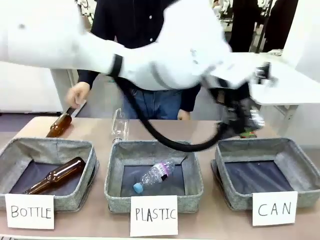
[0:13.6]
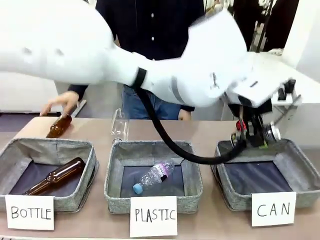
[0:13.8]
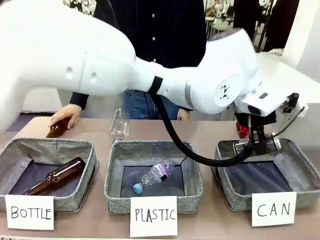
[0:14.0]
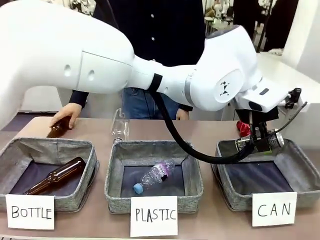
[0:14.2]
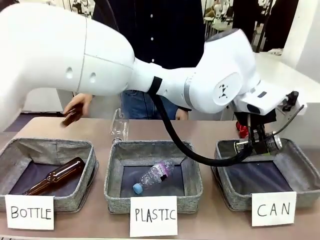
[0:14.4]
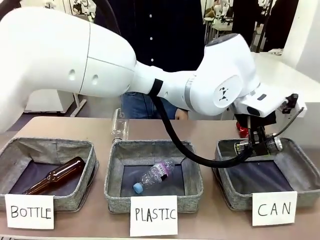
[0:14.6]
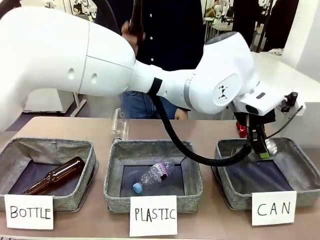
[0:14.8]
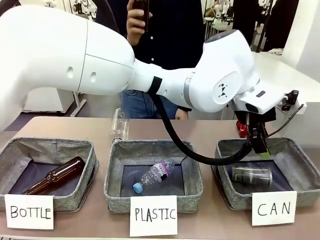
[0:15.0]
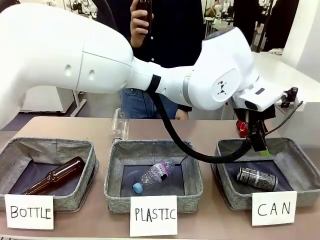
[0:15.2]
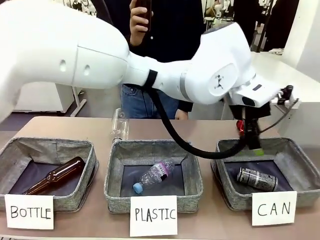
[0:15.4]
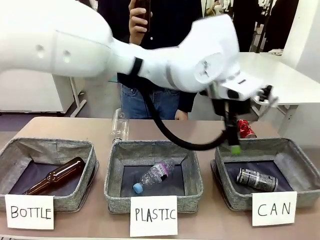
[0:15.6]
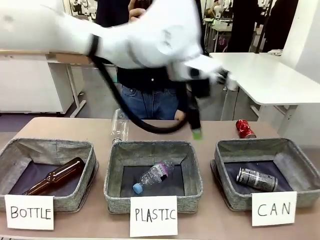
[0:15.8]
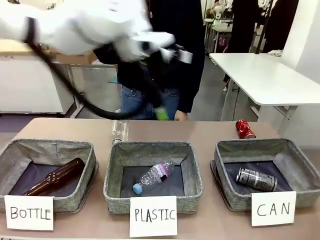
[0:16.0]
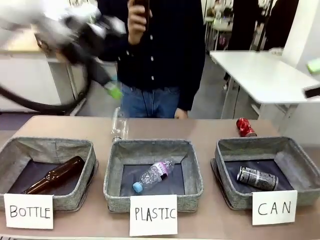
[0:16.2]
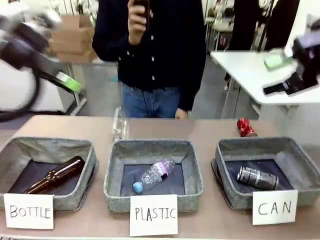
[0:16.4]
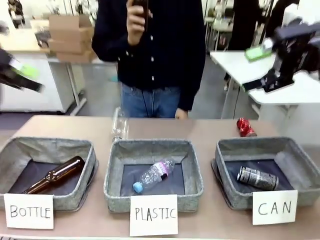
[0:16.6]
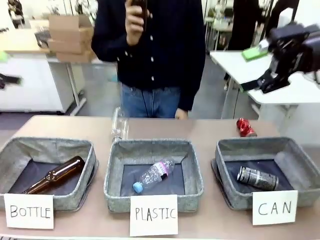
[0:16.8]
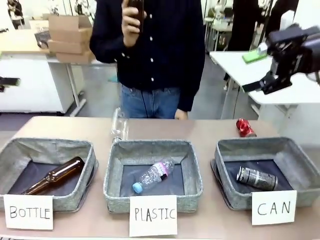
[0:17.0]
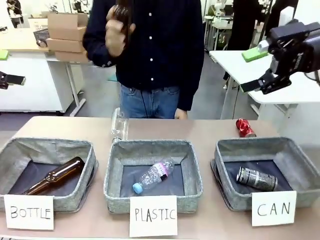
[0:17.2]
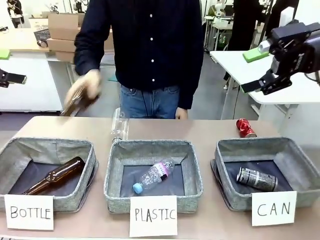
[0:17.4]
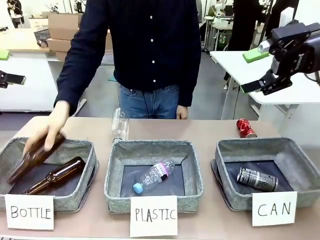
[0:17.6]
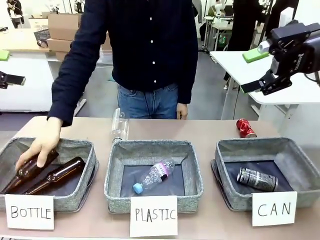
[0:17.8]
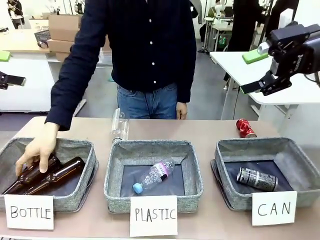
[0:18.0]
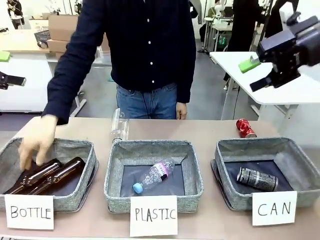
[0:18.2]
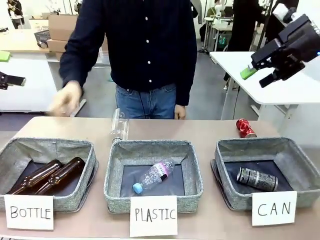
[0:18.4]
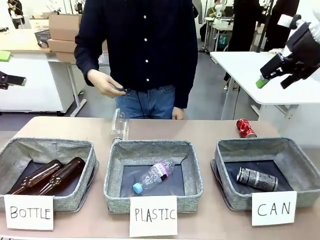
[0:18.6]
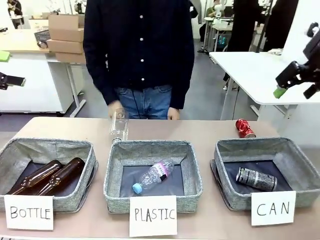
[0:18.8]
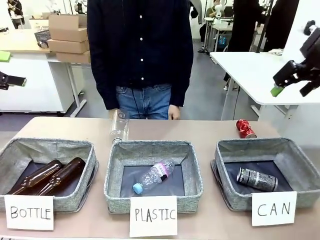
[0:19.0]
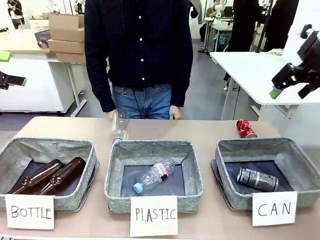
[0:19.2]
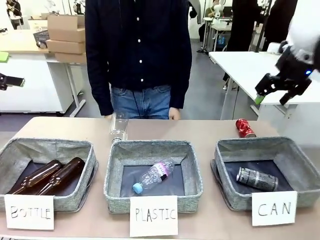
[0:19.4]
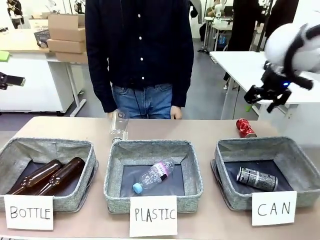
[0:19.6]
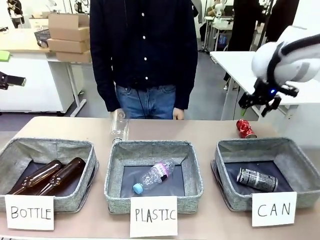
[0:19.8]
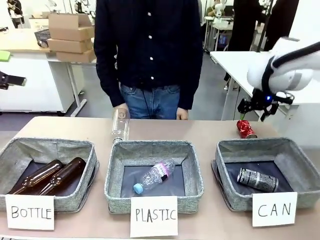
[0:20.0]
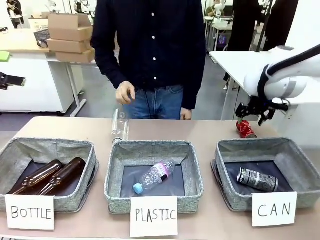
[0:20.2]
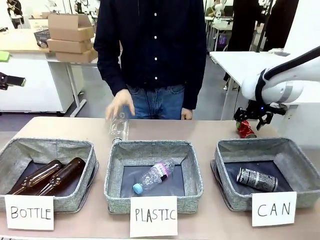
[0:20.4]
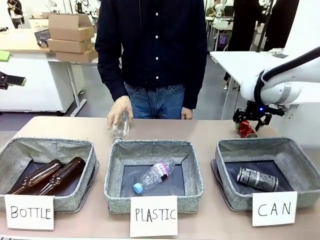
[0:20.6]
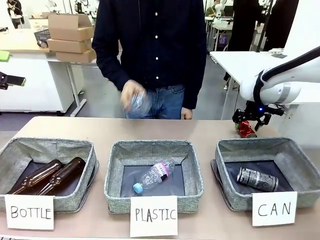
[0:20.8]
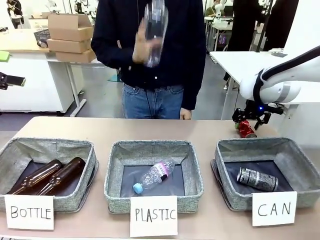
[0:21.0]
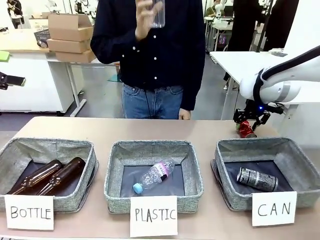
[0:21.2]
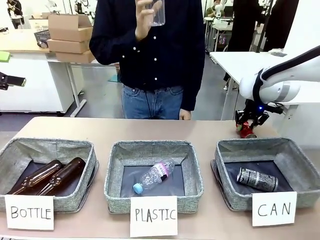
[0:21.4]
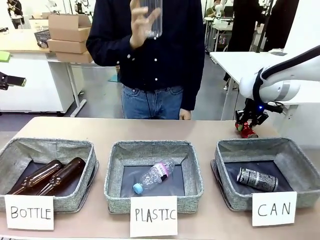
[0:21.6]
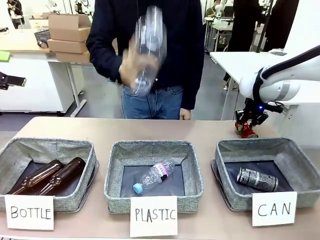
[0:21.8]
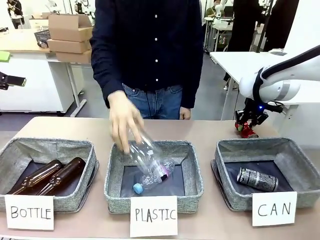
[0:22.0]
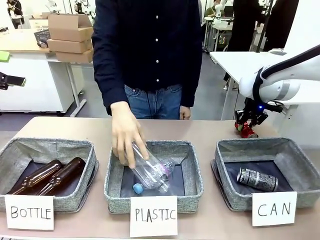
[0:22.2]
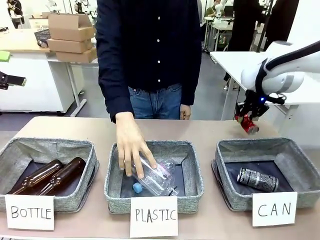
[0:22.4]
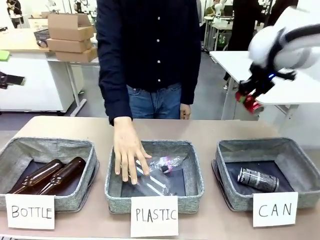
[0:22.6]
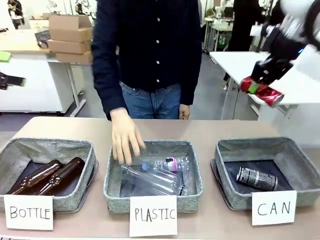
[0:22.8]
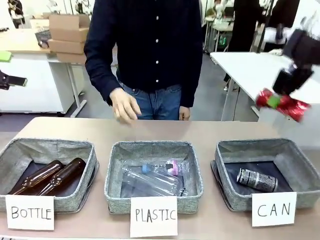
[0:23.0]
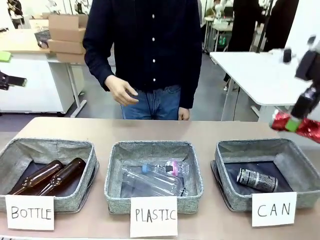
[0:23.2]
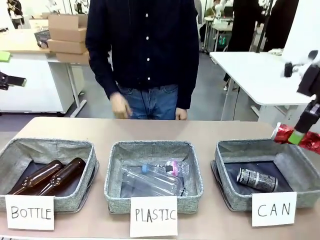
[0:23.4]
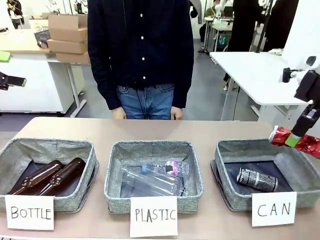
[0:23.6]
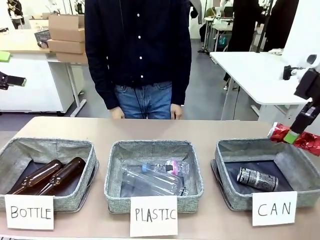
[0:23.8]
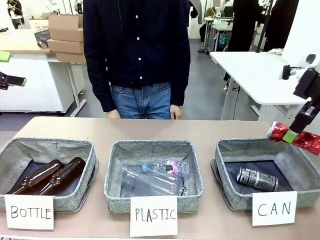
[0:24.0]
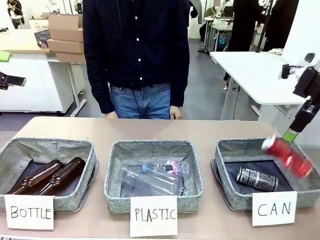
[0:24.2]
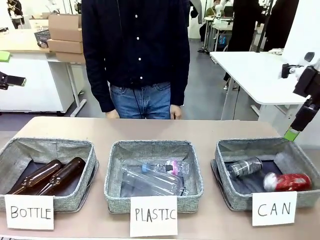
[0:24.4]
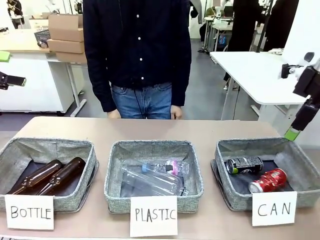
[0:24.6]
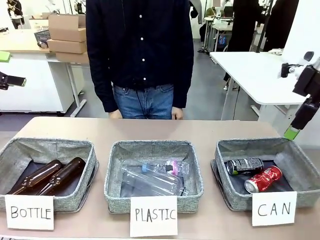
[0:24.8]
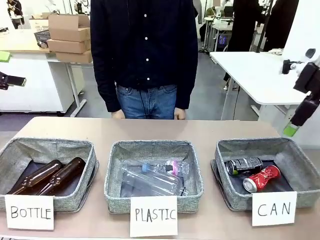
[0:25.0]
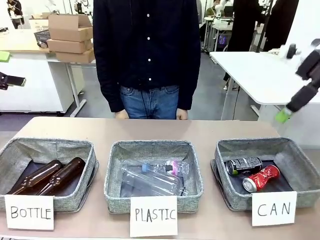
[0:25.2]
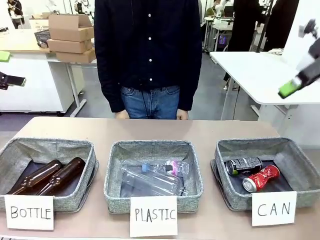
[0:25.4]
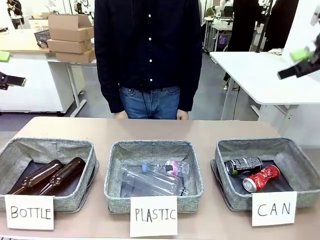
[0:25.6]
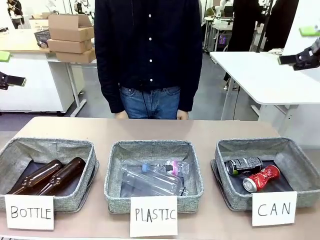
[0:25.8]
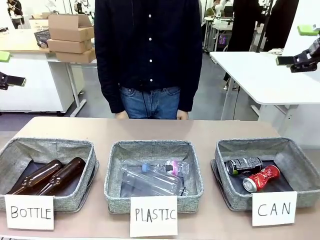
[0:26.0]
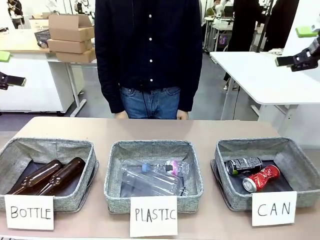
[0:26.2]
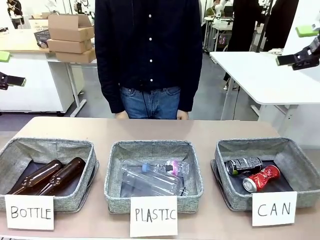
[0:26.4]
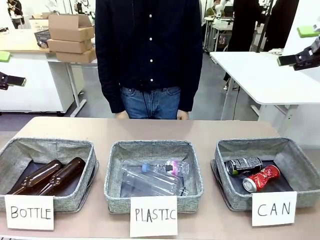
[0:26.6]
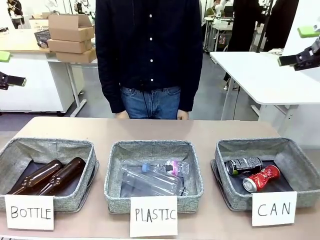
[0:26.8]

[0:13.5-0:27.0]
Task: Sort the can waste into the basket.
Robot: Pick up the can waste from the table and place it in the right Fabric basket.
